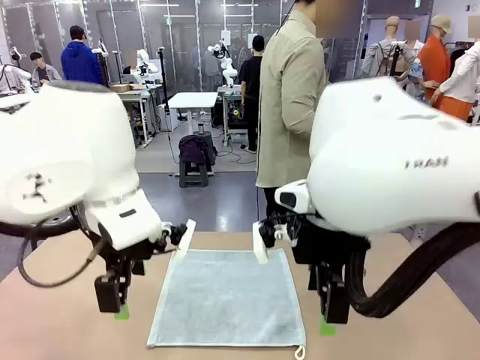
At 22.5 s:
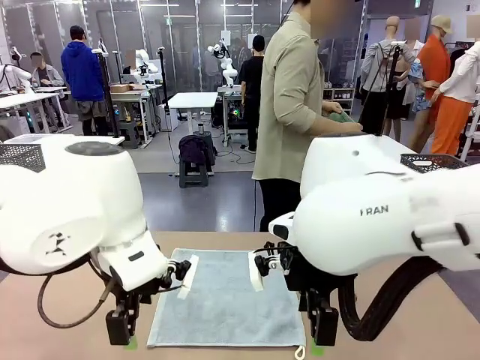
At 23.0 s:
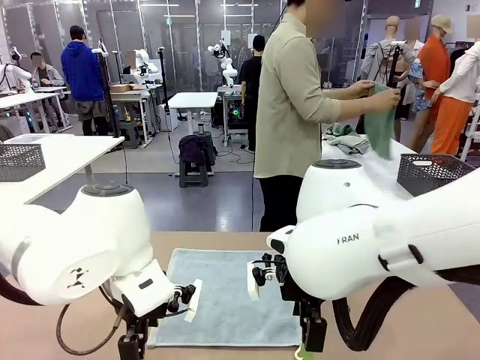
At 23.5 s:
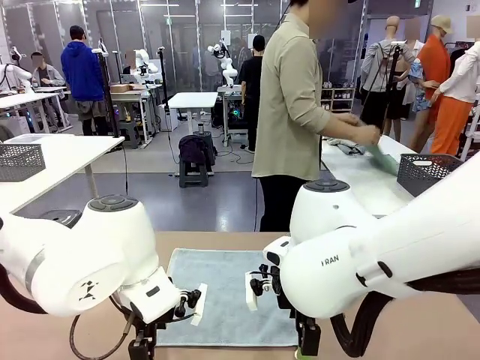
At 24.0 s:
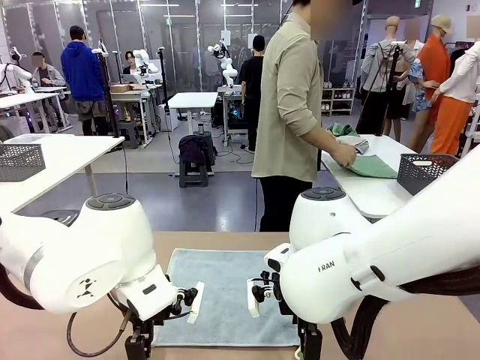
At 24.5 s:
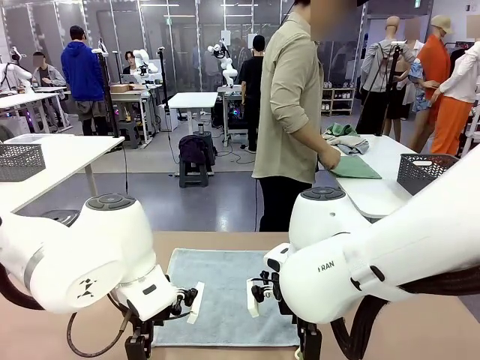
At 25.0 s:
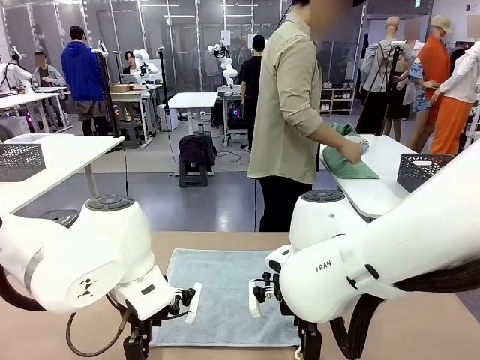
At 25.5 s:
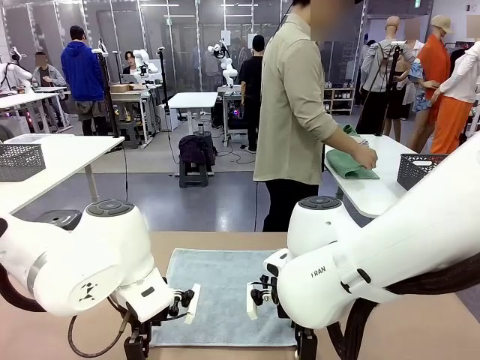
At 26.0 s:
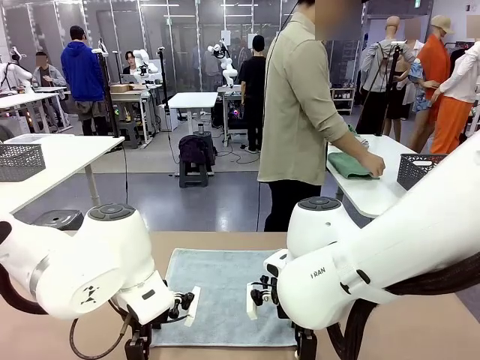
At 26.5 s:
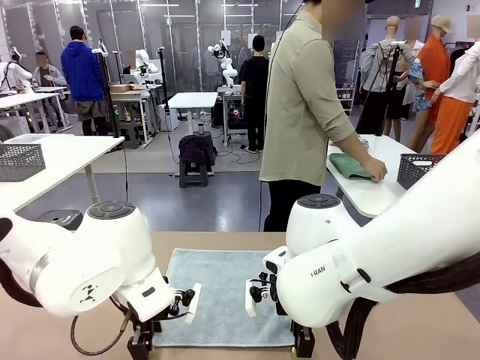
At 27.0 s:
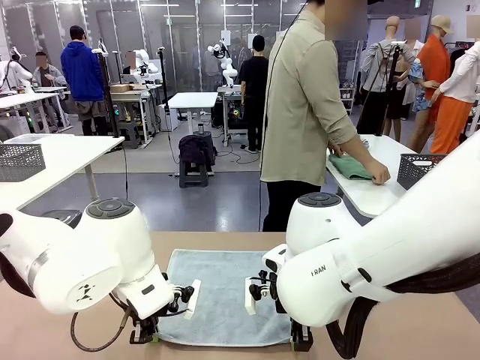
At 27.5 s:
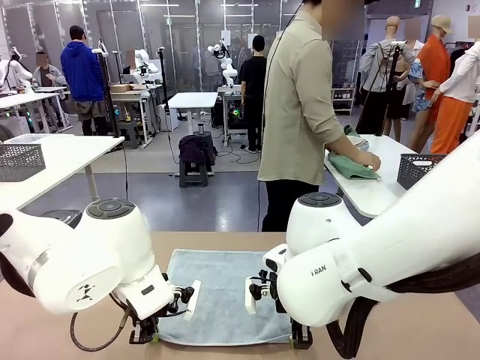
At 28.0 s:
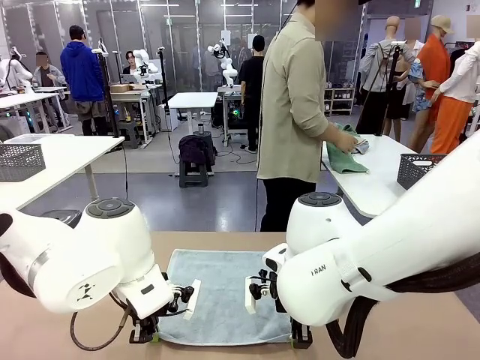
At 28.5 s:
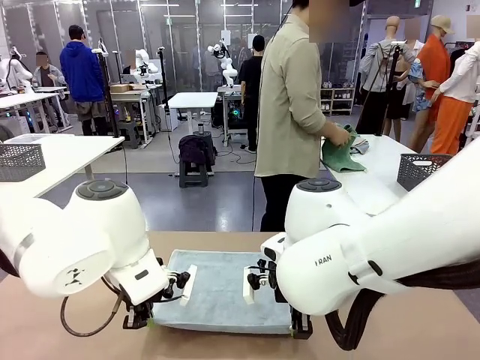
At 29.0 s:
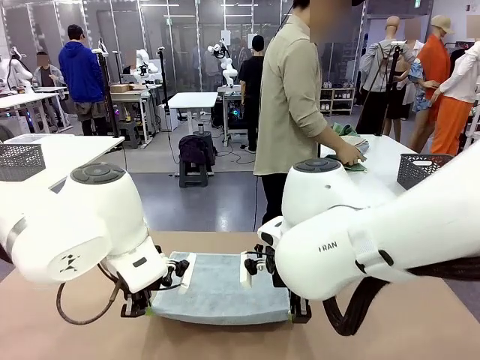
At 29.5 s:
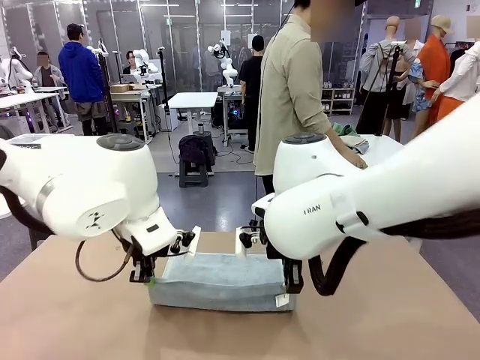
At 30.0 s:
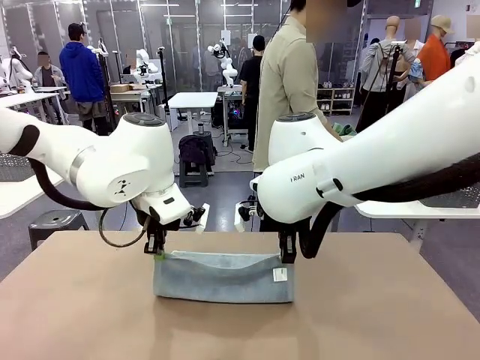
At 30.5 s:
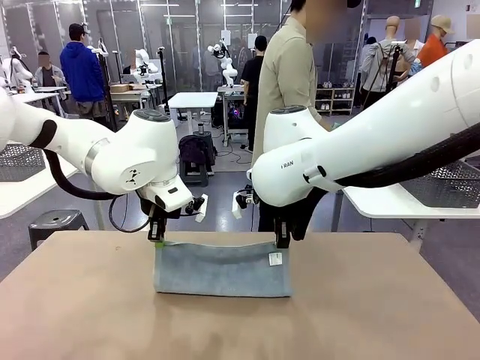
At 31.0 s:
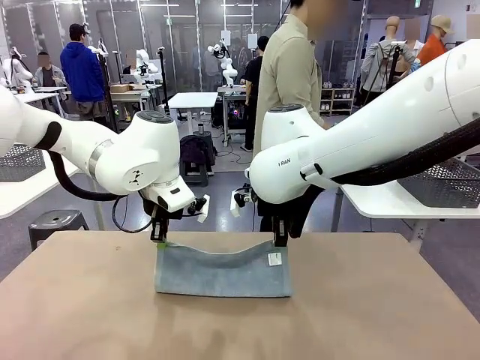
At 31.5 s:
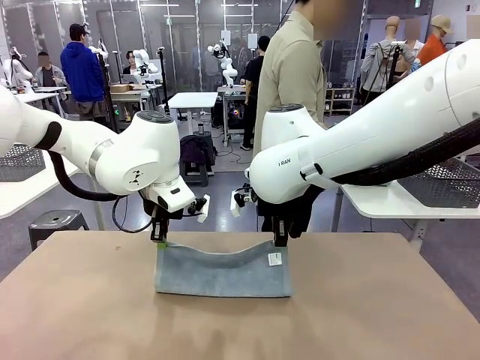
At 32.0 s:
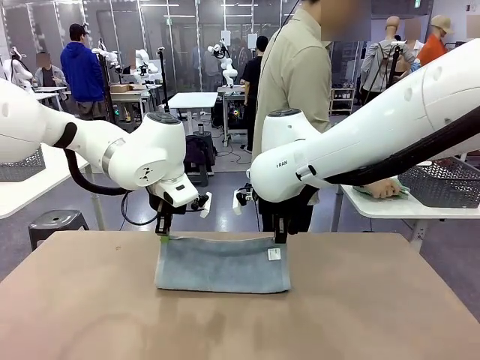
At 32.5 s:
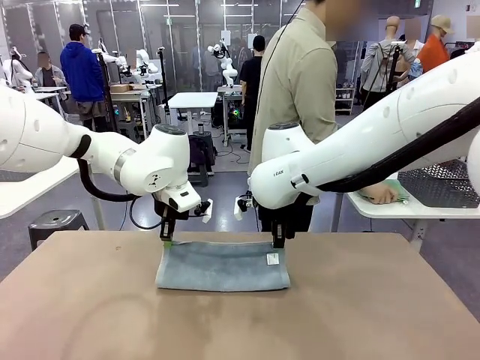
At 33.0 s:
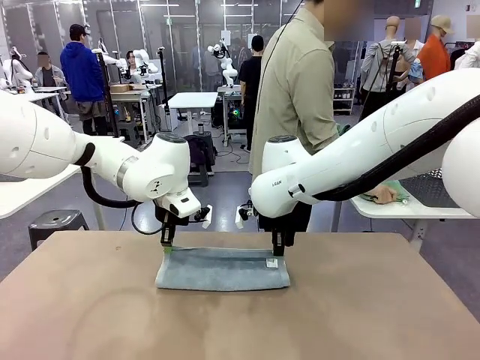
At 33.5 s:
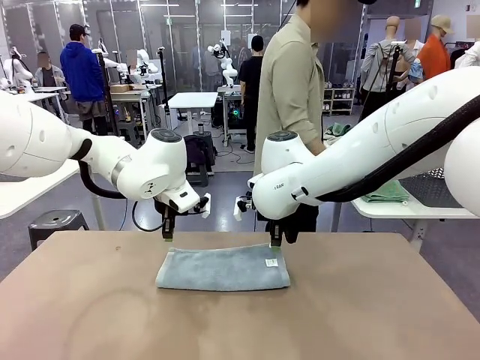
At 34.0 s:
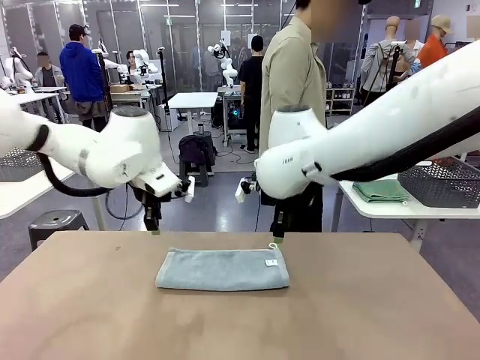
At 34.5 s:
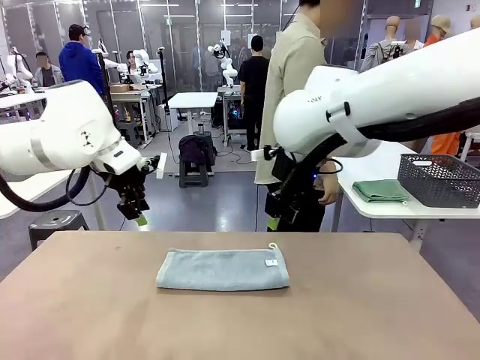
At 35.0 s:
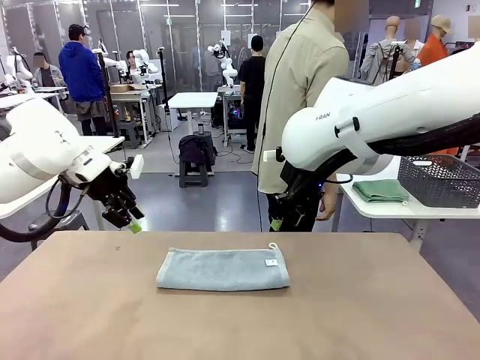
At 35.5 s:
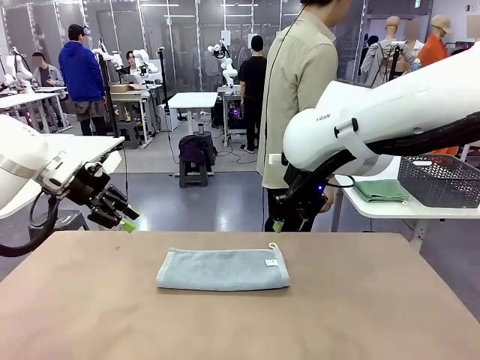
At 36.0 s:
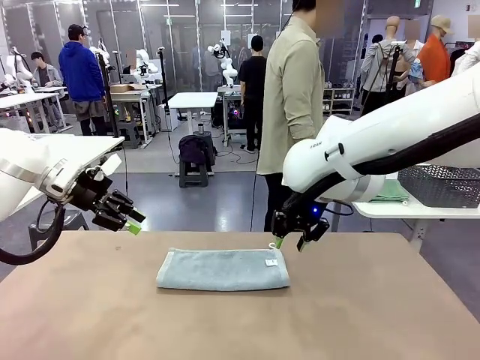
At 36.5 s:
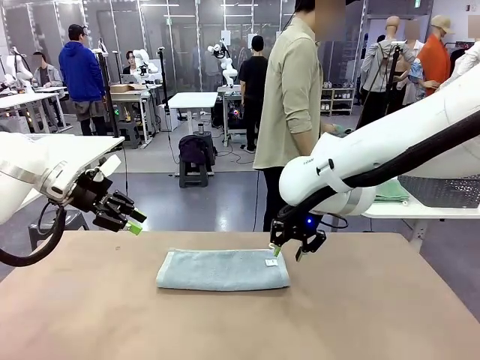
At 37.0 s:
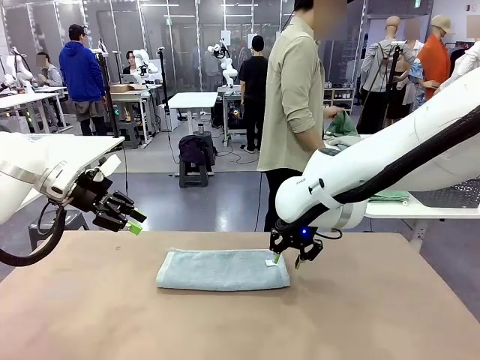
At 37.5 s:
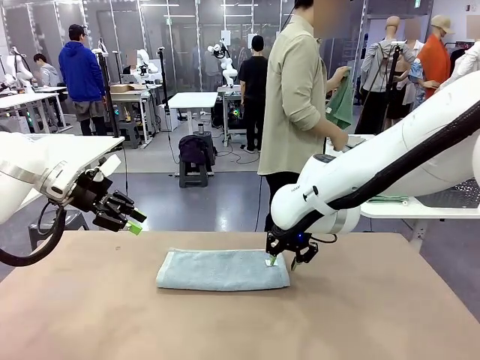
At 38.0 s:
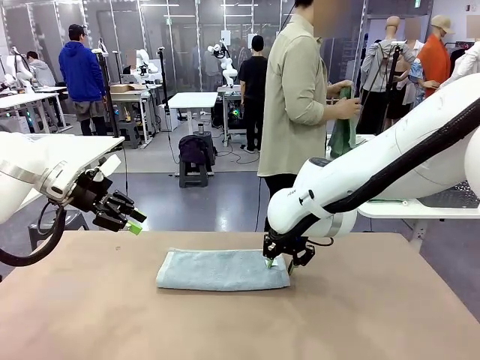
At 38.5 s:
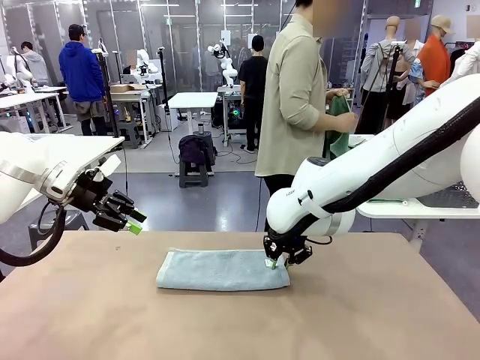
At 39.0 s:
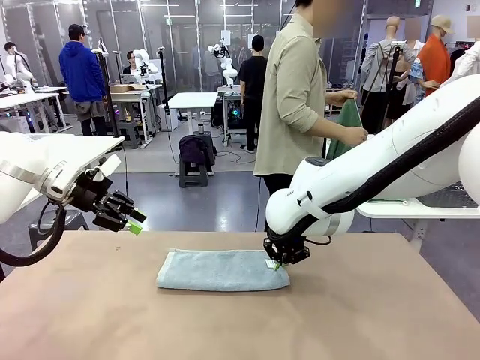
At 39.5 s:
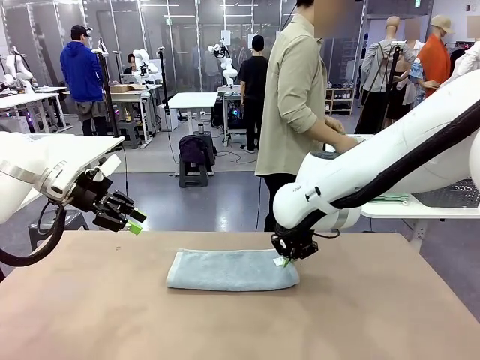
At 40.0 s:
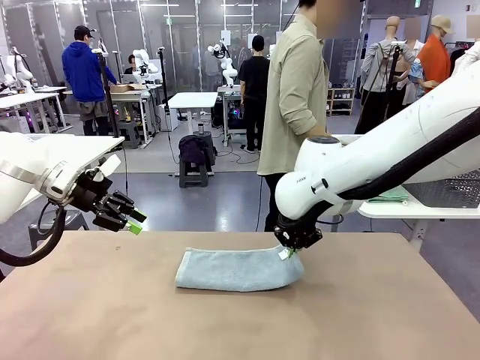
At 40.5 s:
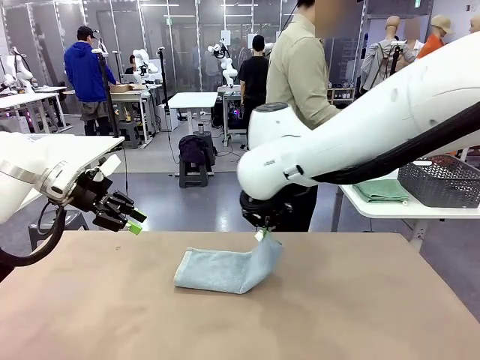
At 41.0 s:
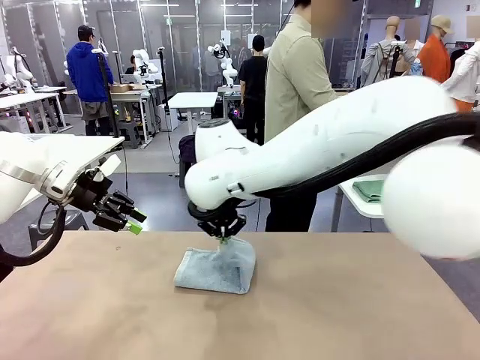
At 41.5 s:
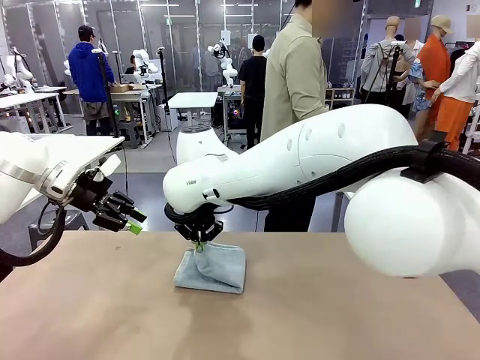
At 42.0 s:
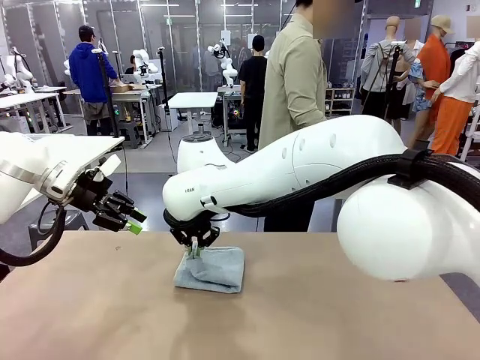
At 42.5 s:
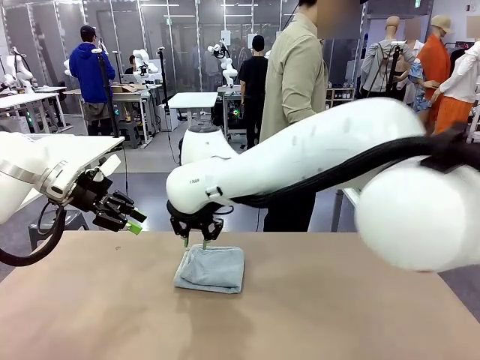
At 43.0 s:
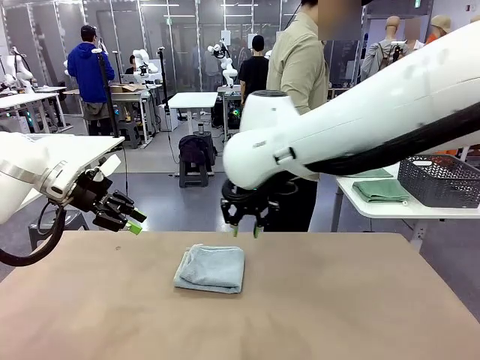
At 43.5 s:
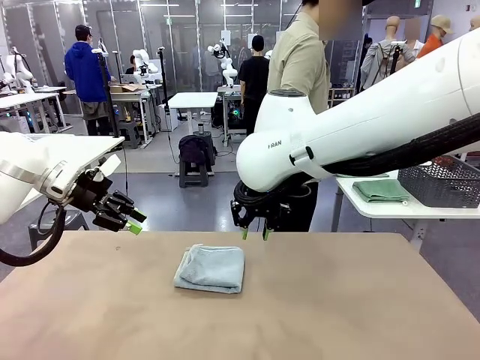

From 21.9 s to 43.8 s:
Task: Fold the towels and place them in the basket.
Robot: When a person lays out a Towel with hook on the table, fold it in half twice.
Person: Pick up one towel from the left side of the human table, fold it in half twice, and place it on the right side of the table. Pick up one towel from the left side of the human table, fold it in half twice, and stack it on the right side of the table.

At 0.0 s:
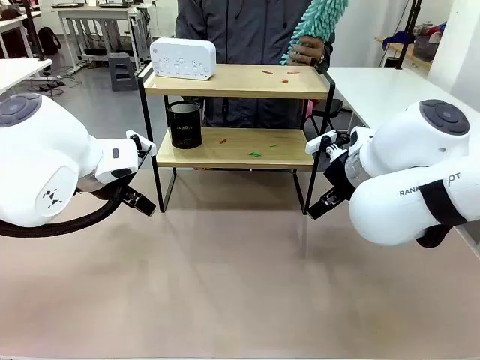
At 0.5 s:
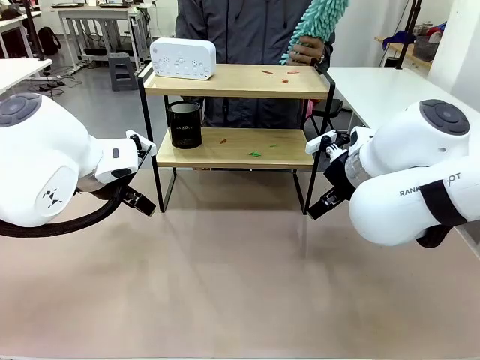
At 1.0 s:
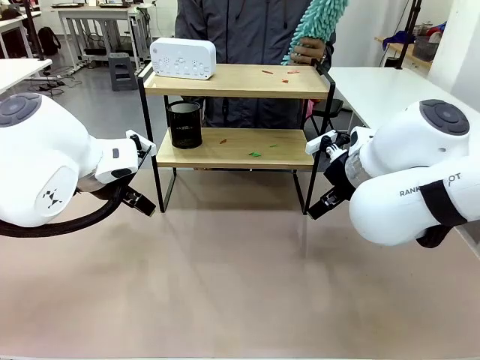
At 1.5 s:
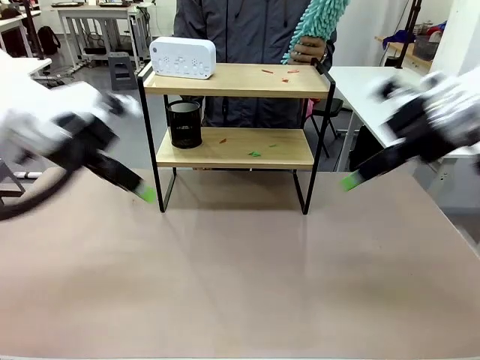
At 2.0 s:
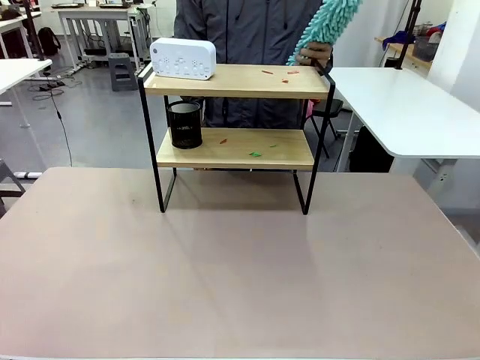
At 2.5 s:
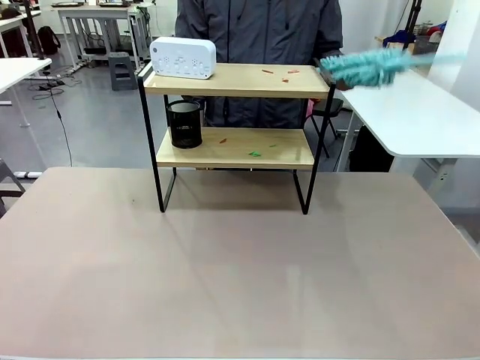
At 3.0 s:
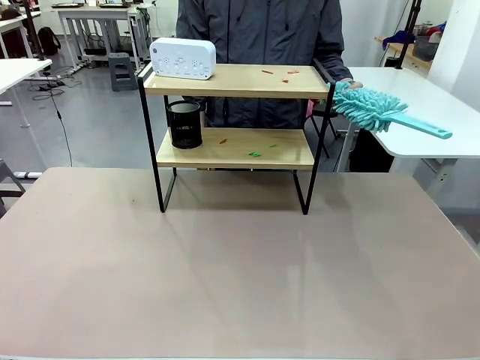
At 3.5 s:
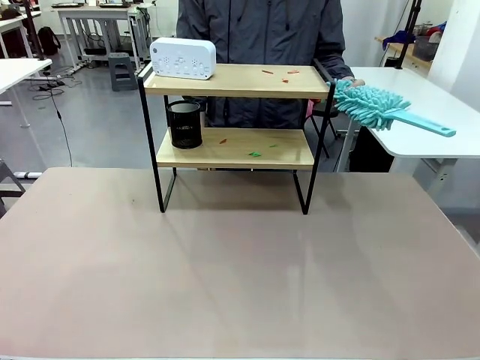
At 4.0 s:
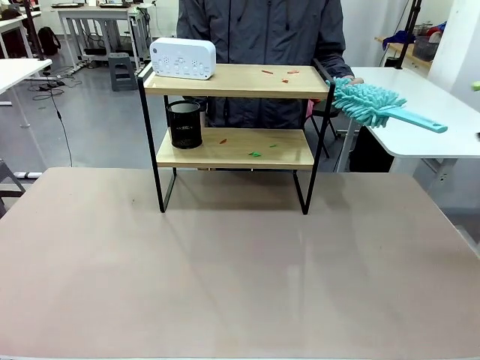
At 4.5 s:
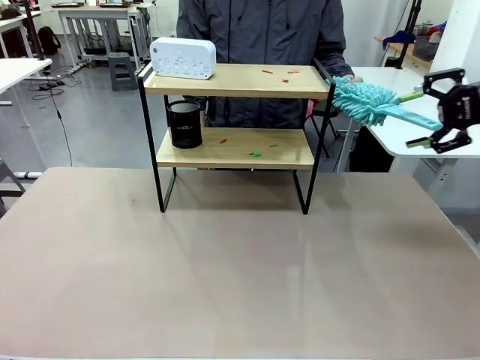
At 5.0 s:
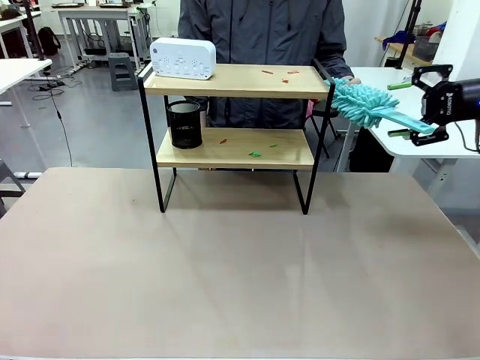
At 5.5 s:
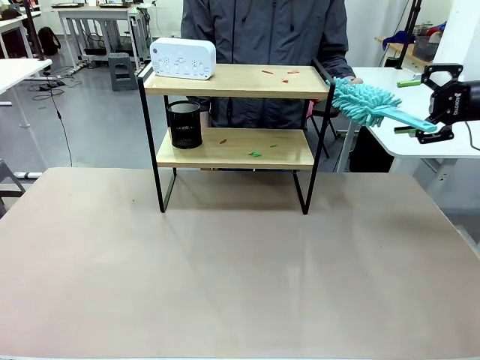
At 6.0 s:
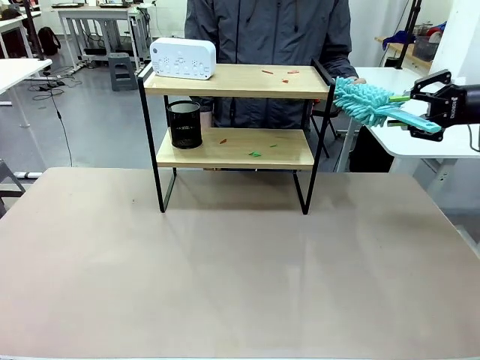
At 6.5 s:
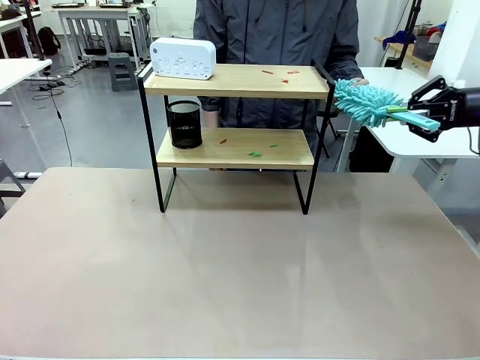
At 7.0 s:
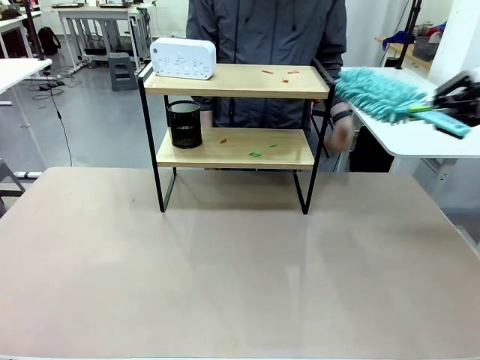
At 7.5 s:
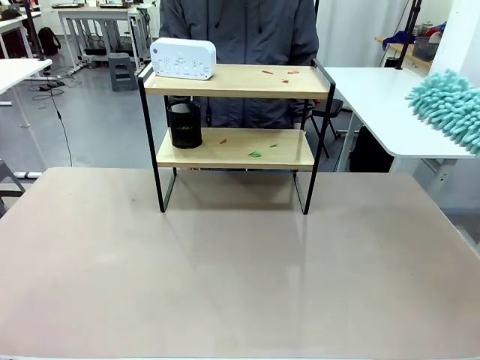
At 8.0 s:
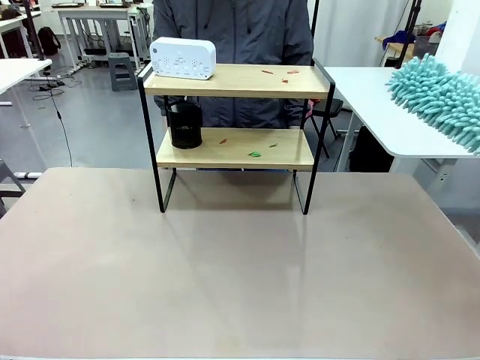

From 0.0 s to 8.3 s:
Task: Clean the shelf.
Robot: Pick up the Duster from the human.
Person: Hand the Duster to the robot.
